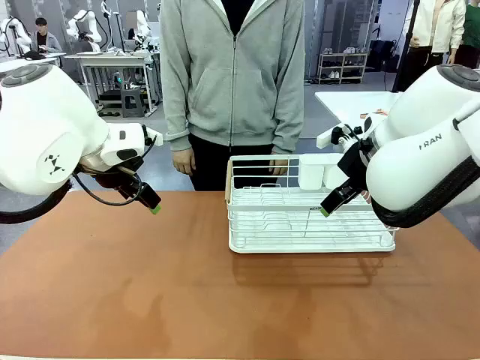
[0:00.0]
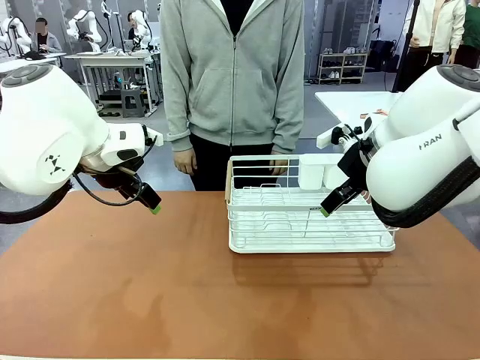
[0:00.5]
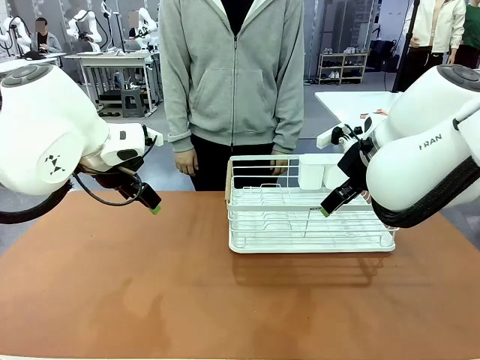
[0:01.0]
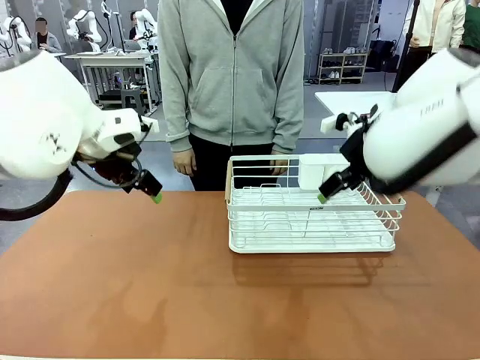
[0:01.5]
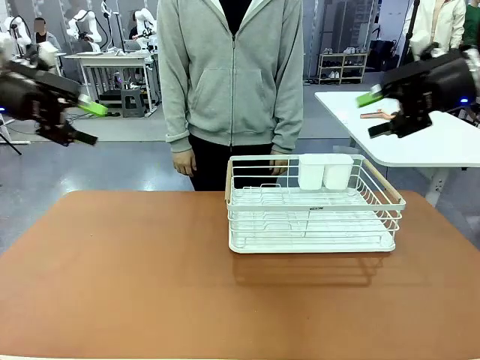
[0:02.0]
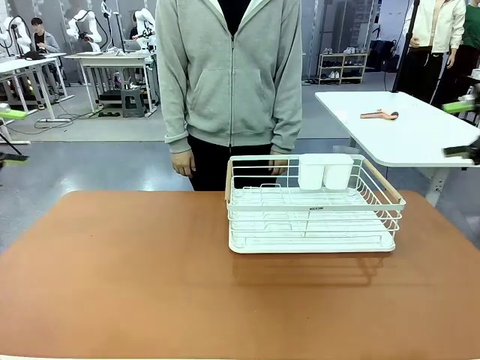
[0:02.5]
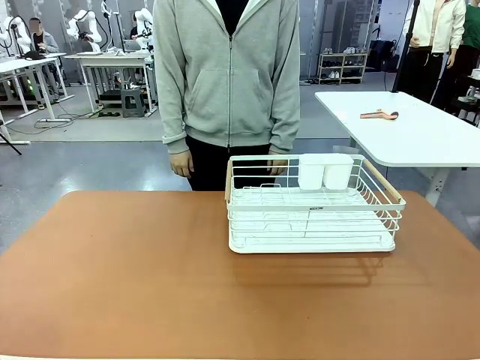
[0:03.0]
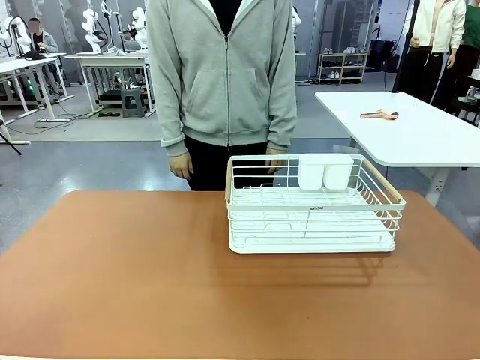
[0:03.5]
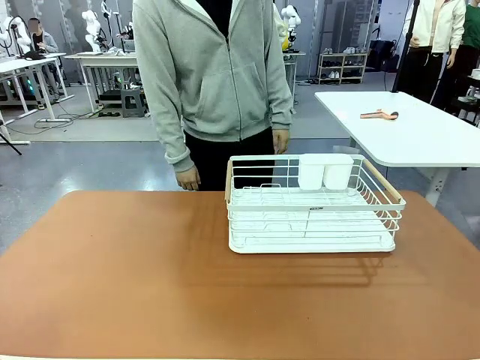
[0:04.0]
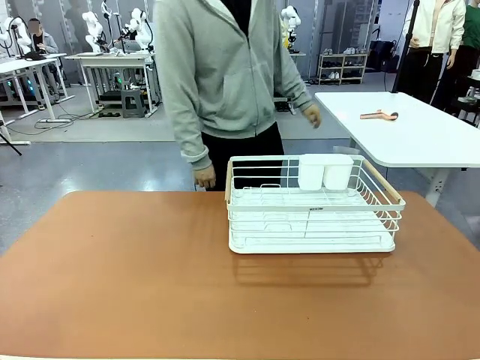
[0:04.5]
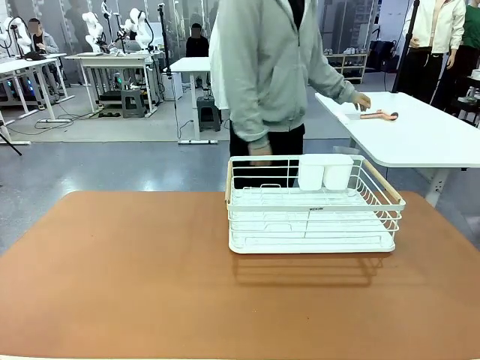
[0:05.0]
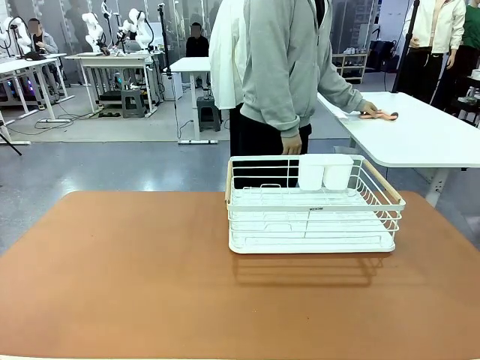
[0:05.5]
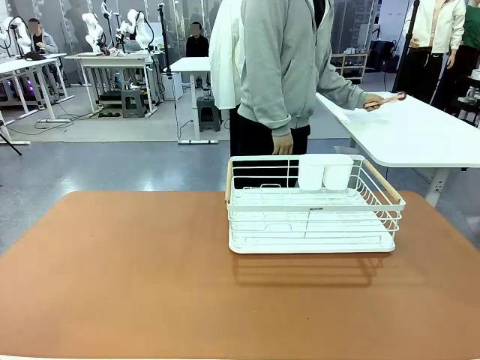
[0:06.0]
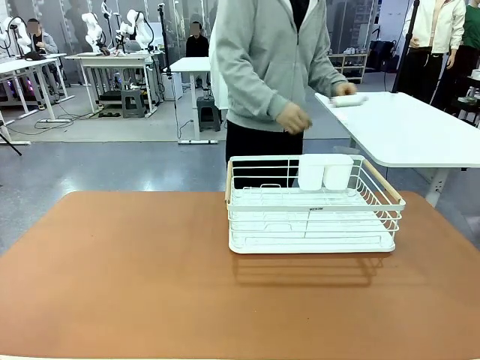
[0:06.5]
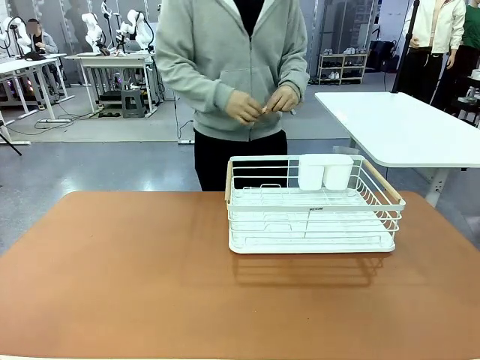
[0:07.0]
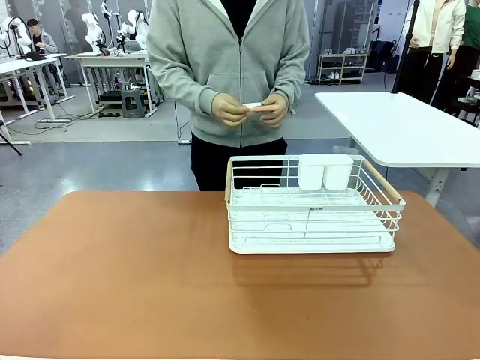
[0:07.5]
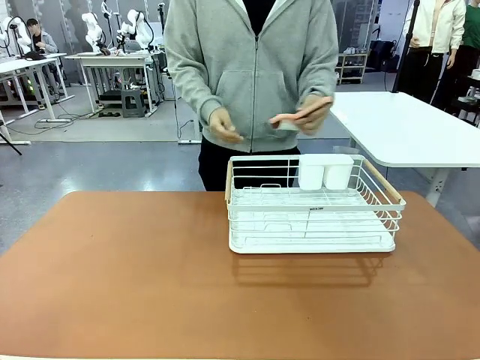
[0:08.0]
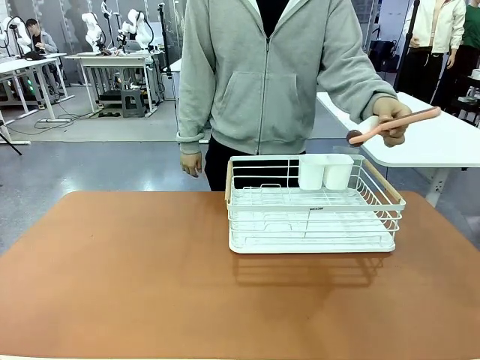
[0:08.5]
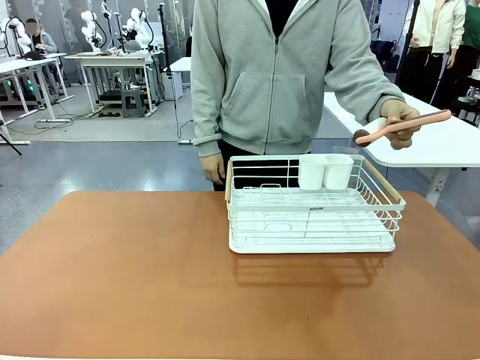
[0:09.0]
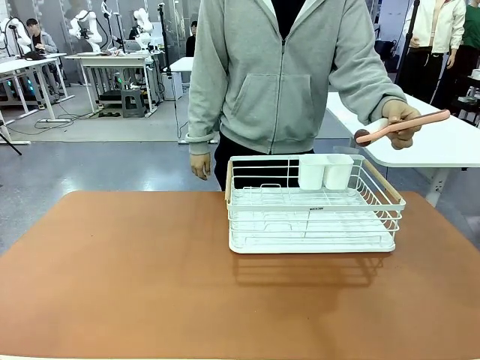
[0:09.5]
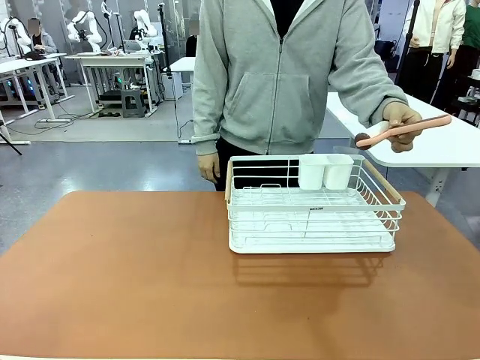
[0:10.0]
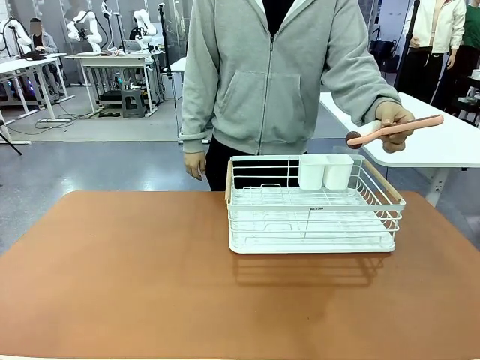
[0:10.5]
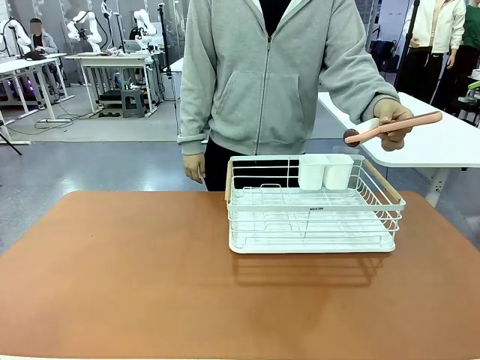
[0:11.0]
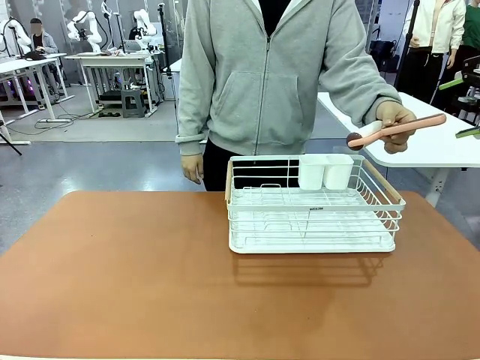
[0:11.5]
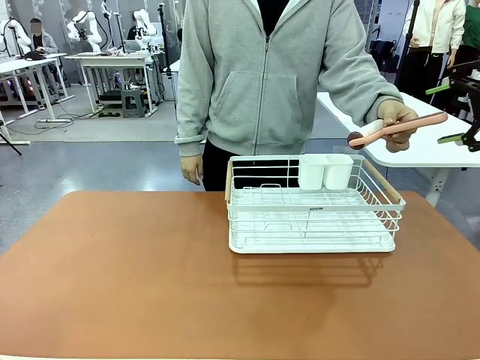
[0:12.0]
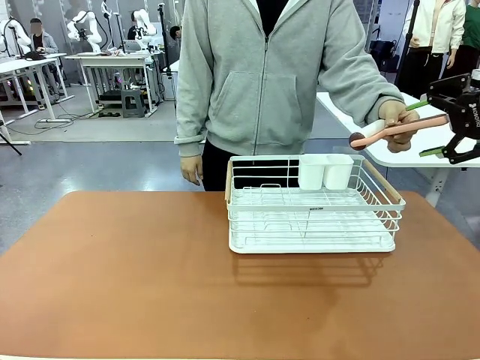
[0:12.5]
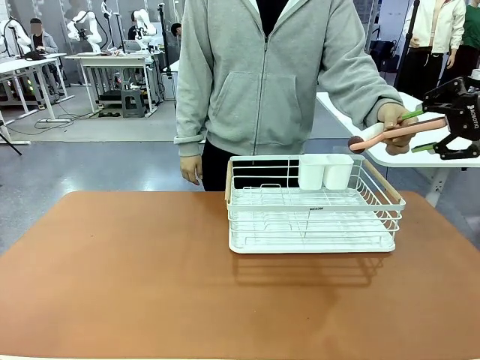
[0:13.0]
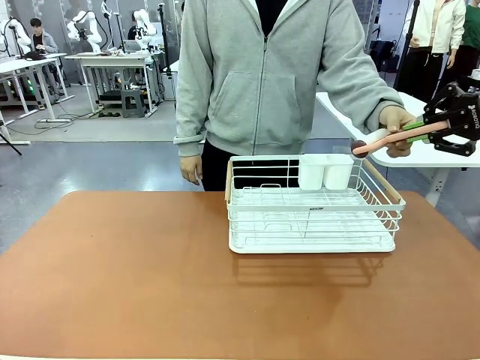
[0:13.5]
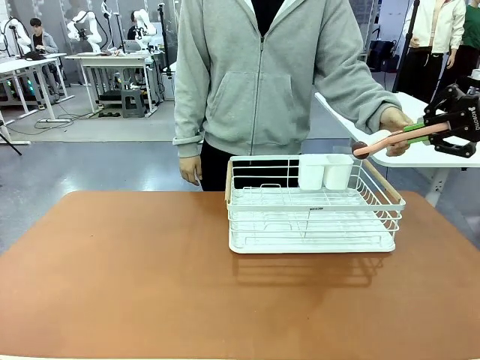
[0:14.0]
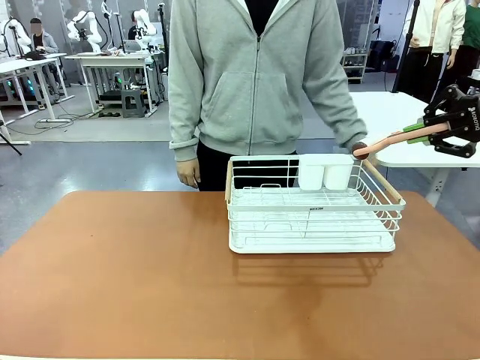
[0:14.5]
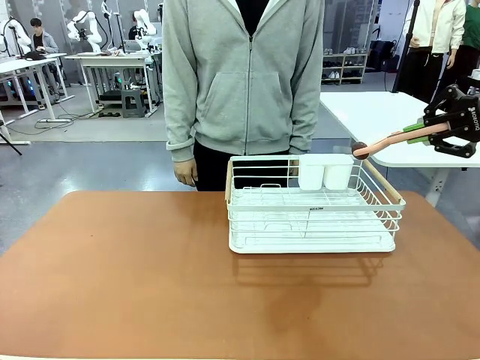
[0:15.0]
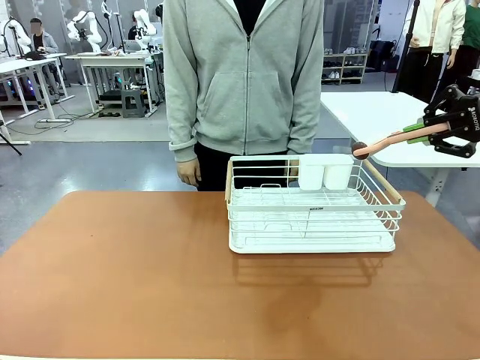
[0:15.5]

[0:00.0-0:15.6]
Task: Clean the table.
Robot: Pick up the Lint Roller when the human hands it over.
Person: Hand the Lint Roller to the robot so it can easily pick it up. Lift the Dish drying rack.

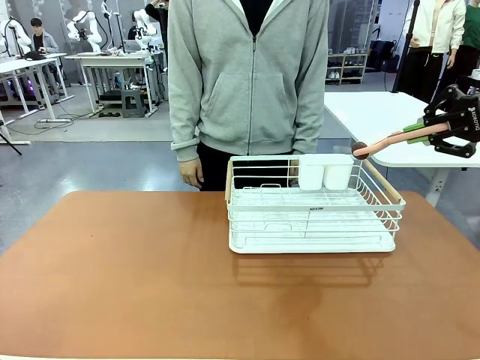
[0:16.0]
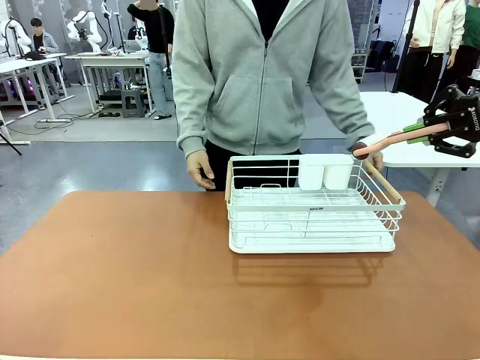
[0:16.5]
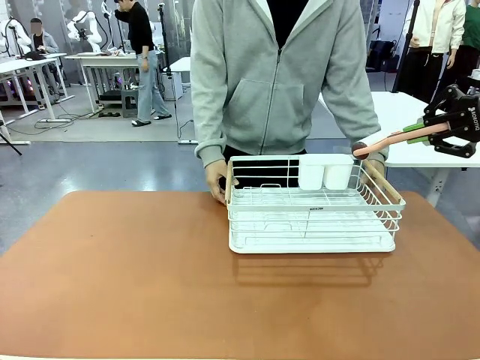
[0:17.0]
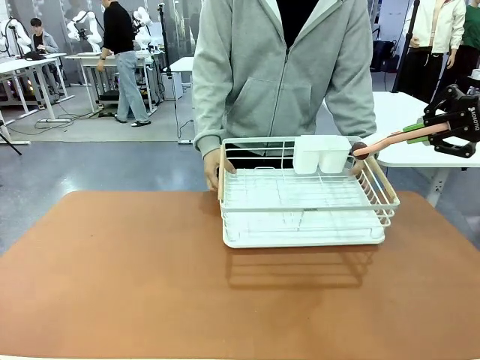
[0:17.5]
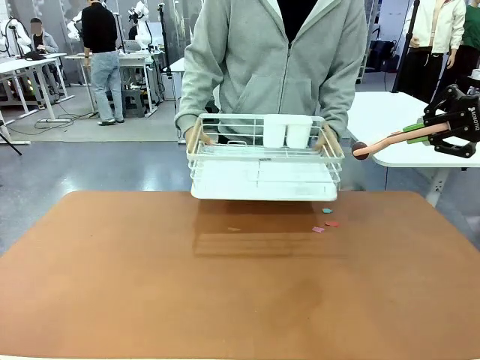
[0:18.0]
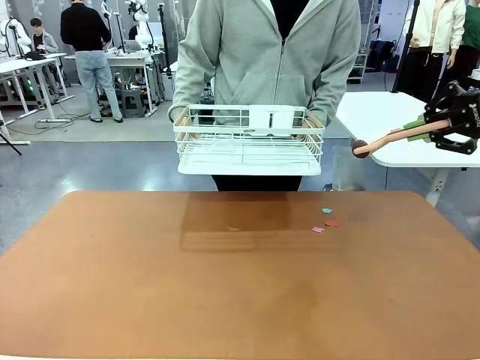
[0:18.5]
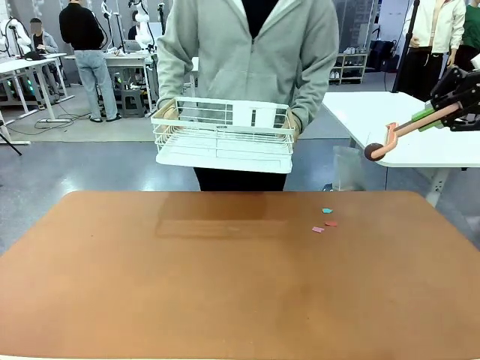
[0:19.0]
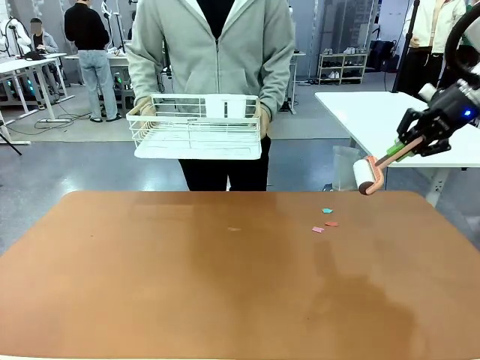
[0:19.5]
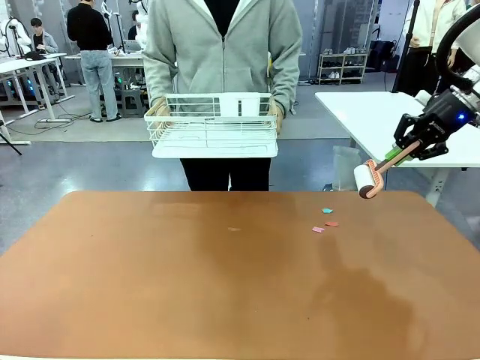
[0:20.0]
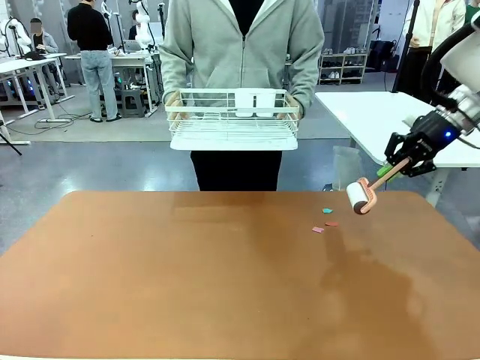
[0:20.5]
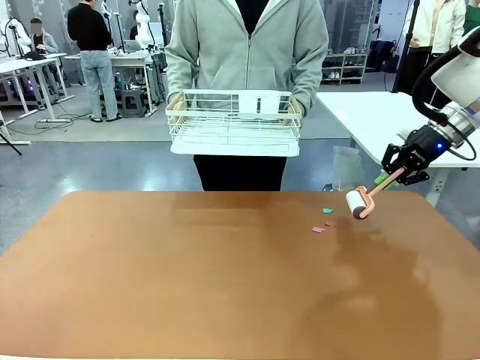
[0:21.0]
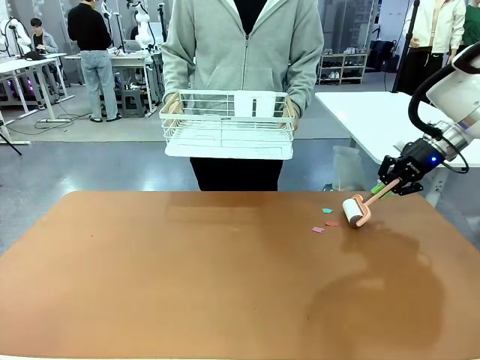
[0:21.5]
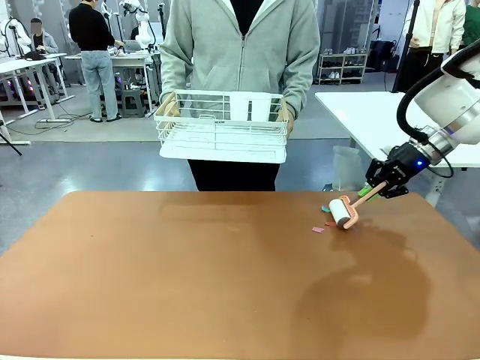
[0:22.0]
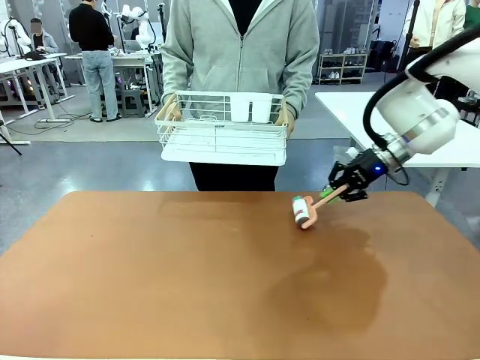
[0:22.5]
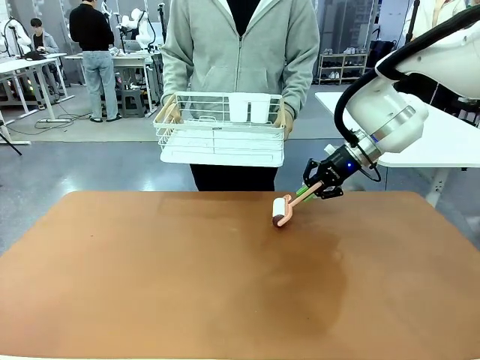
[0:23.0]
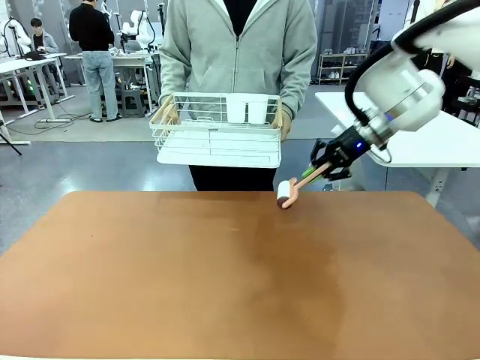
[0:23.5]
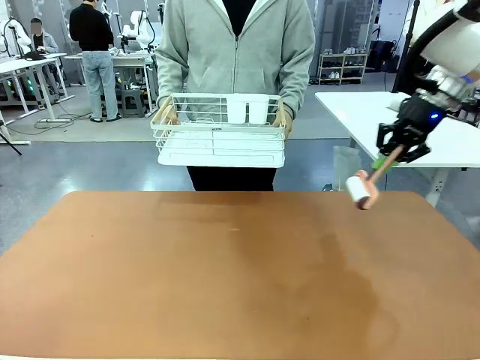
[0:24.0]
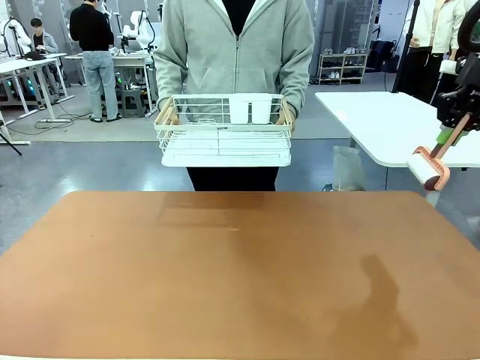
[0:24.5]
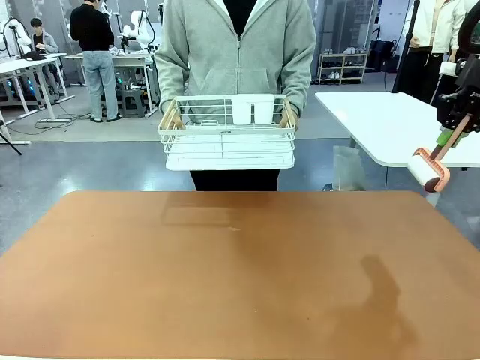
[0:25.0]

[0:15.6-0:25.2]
Robot: Clean the table with the Lint Roller when the human lifts the Dish drying rack.
